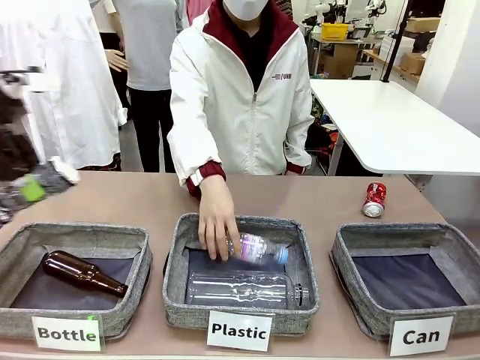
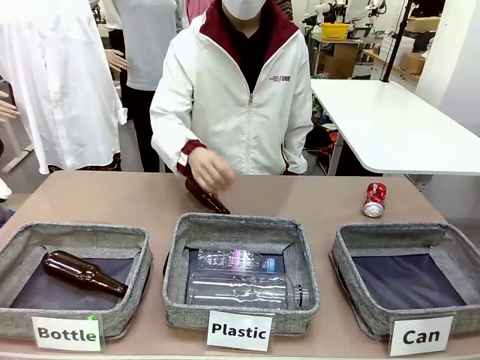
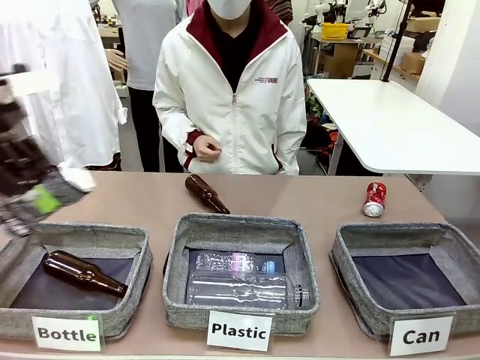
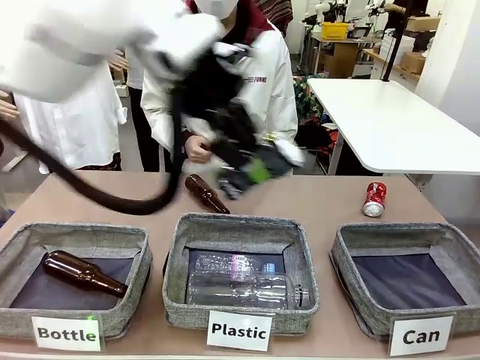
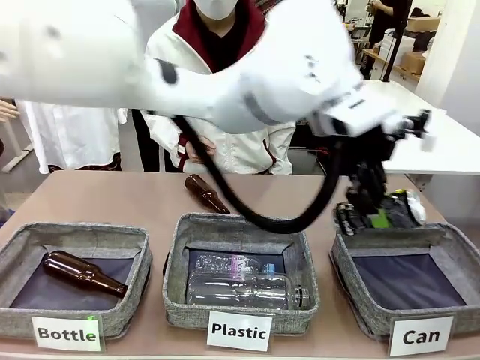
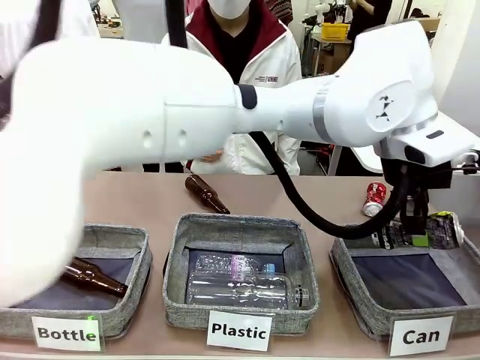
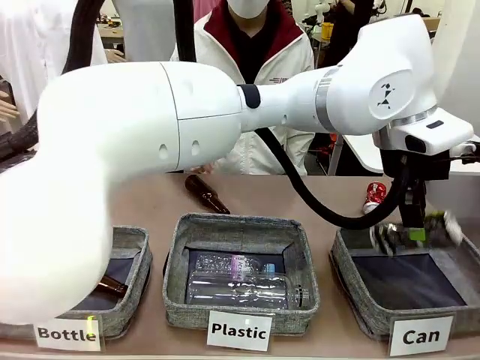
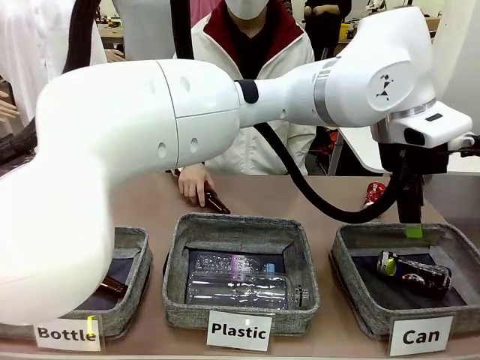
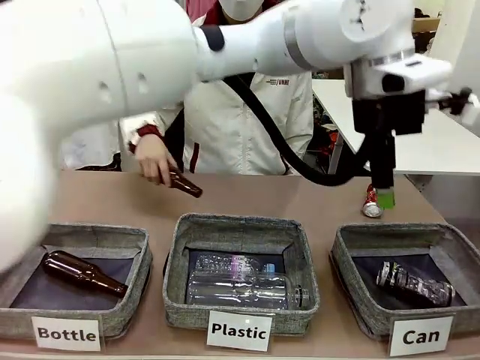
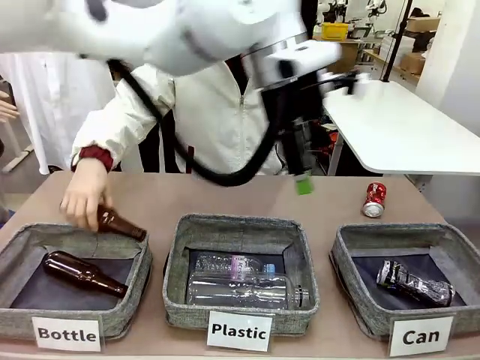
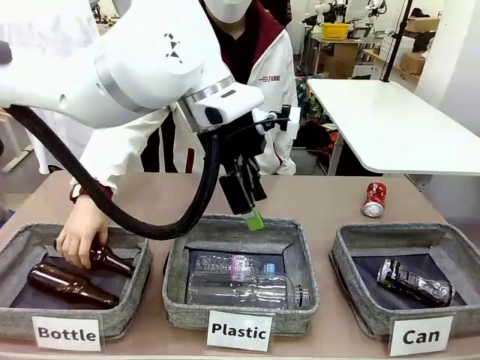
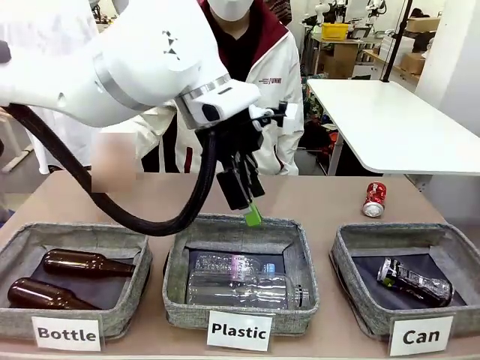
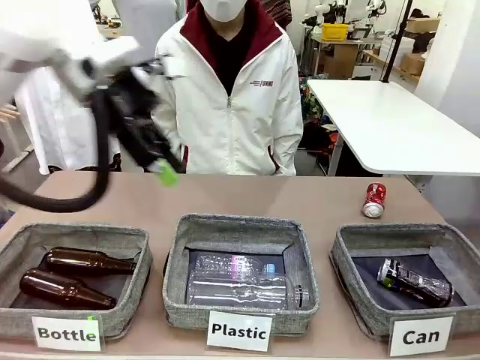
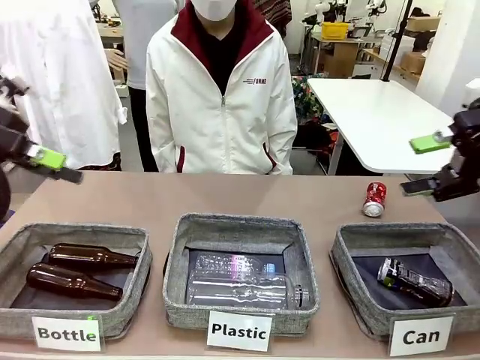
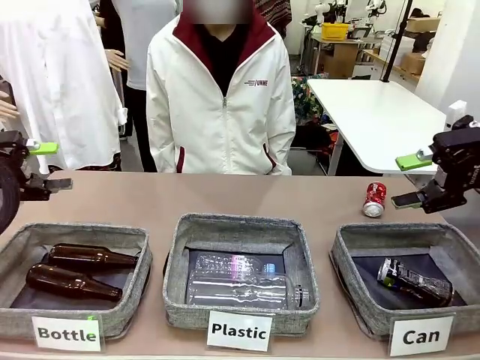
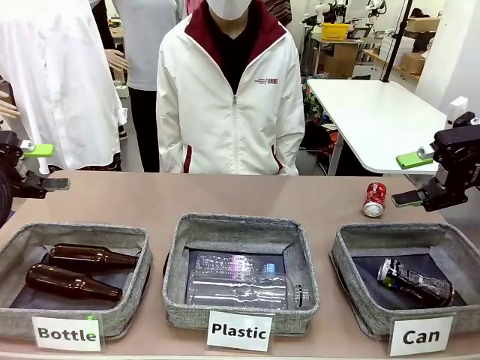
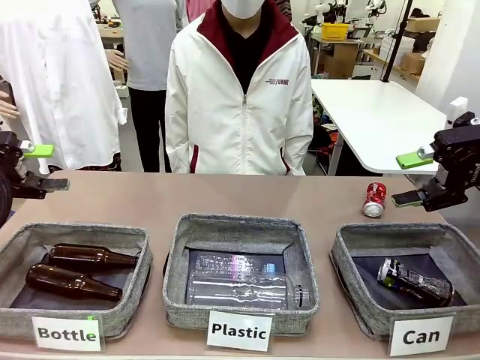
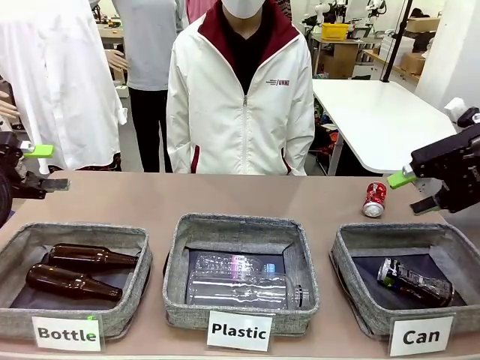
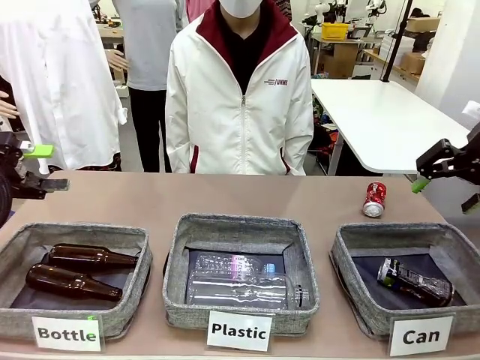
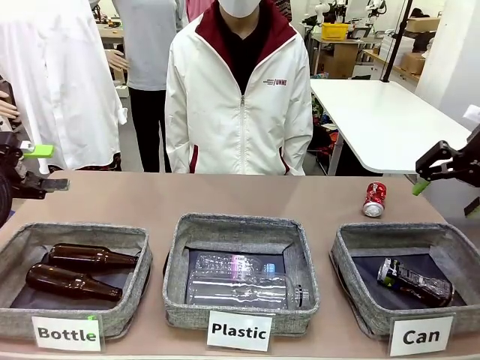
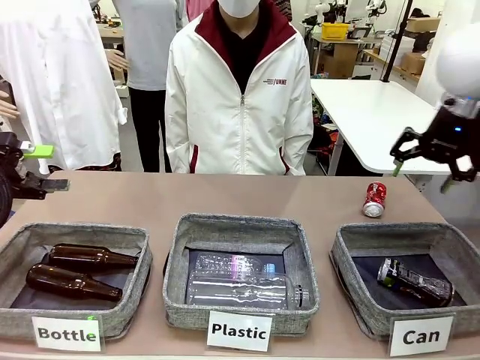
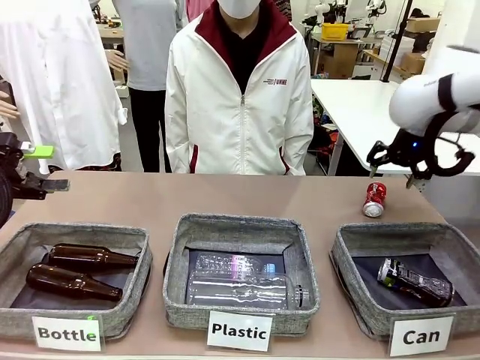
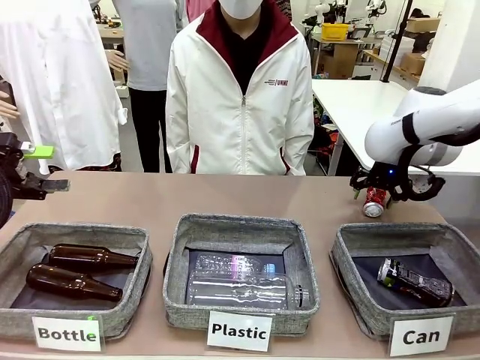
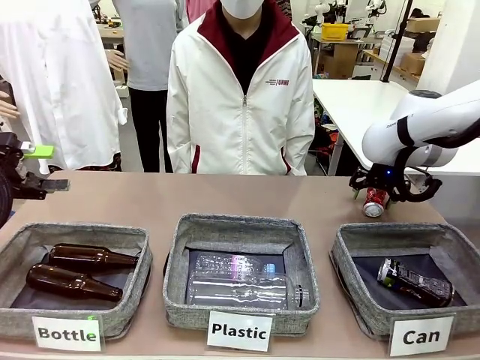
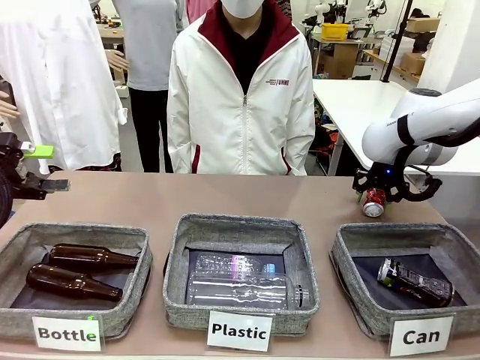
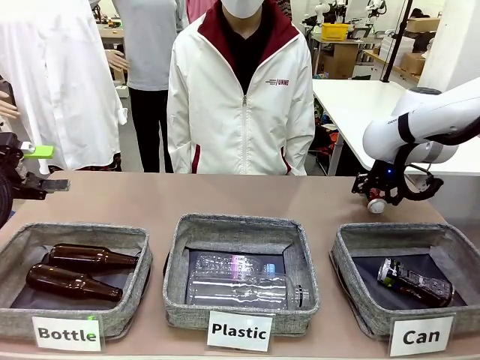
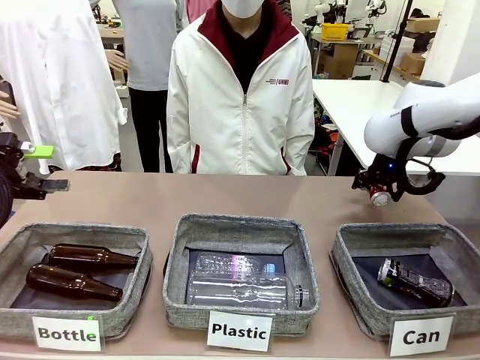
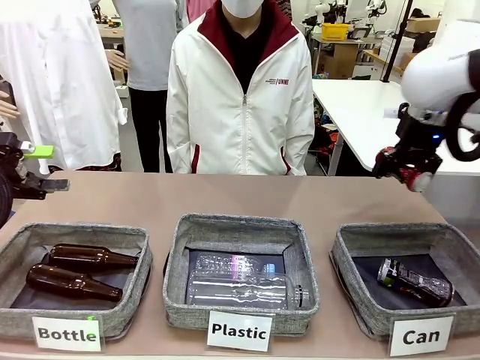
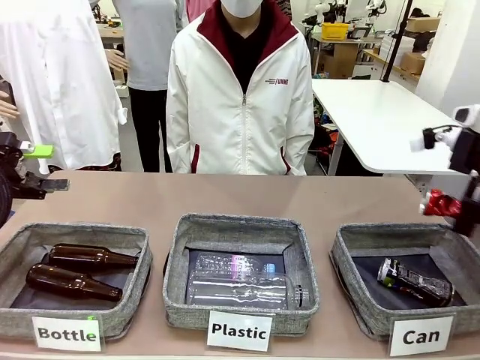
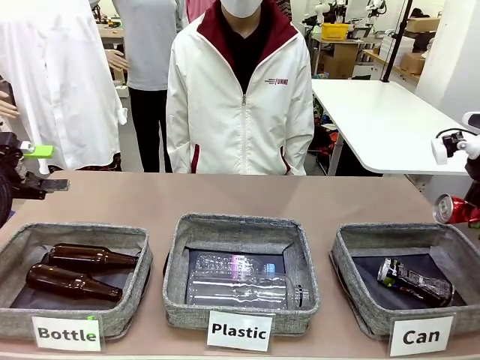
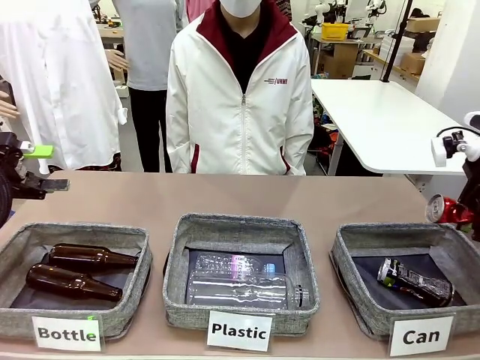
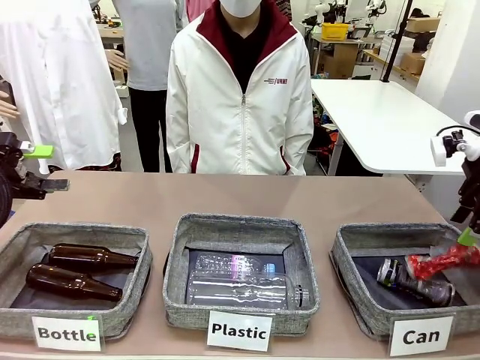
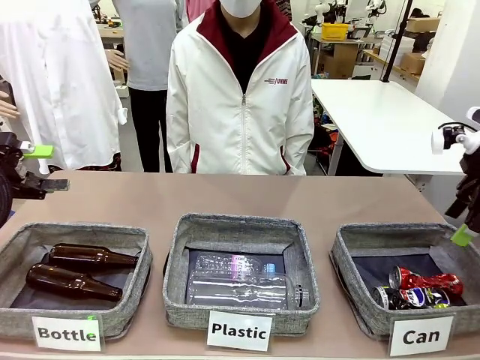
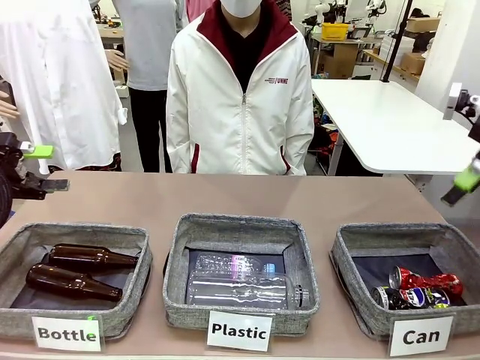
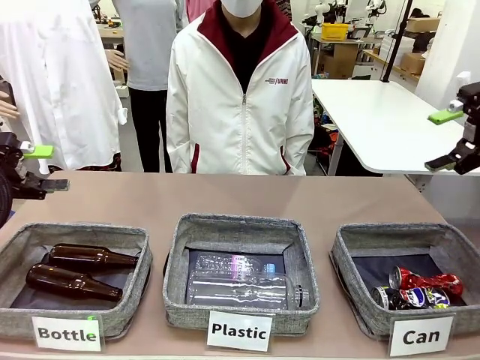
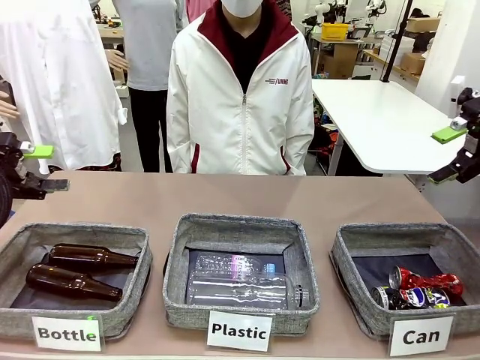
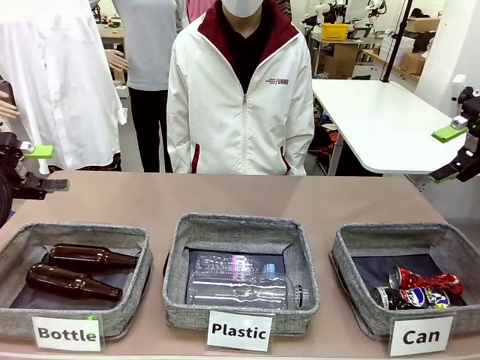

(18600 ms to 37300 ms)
Task: Sort the can waste into the basket.
Robot: Pick up the can waste from the table and place it in the right Fabric basket.
Person: The human picks up one piece of trash that is not a can and places the trash into the appropriate organizing basket.

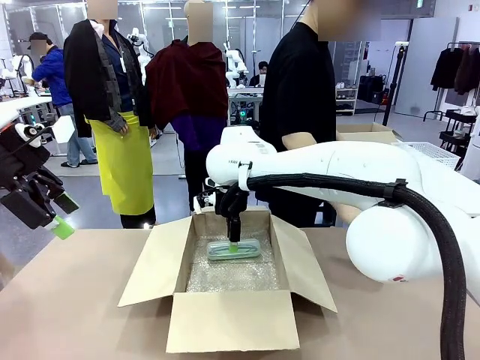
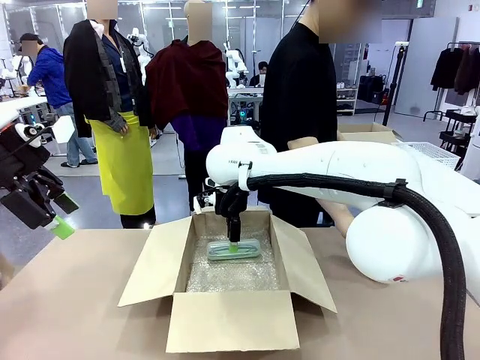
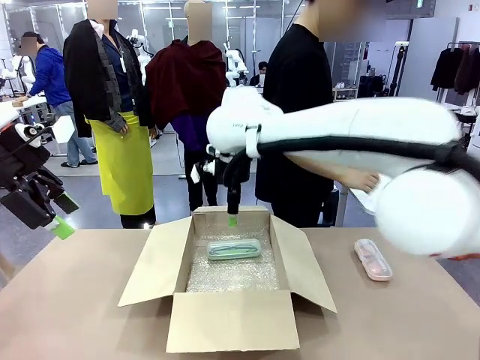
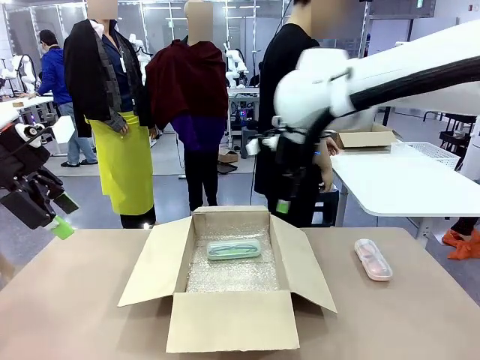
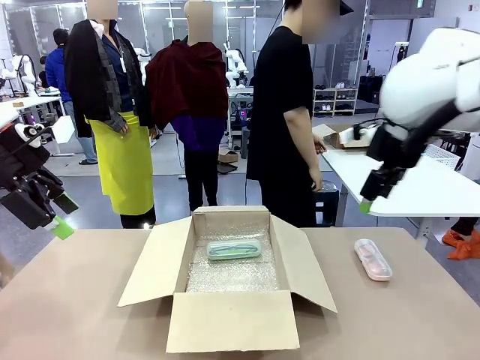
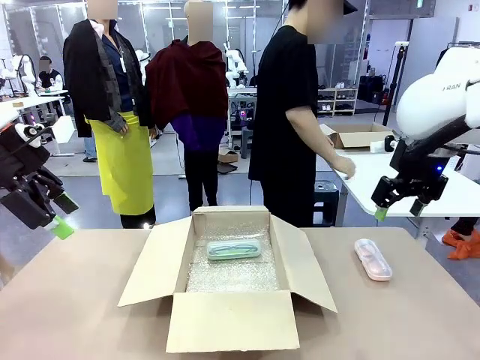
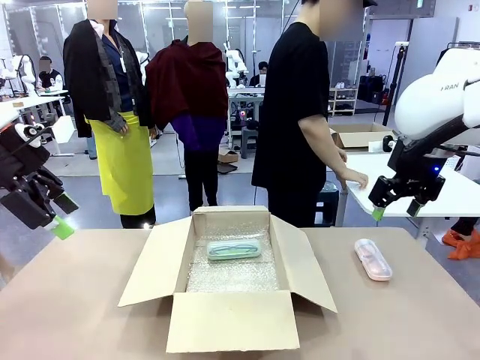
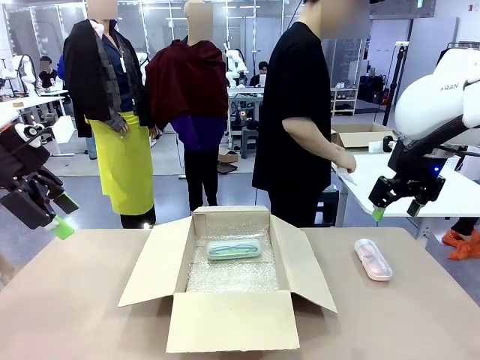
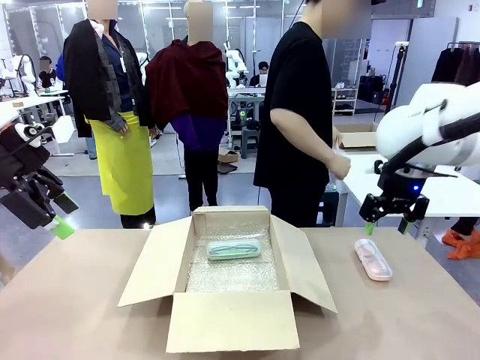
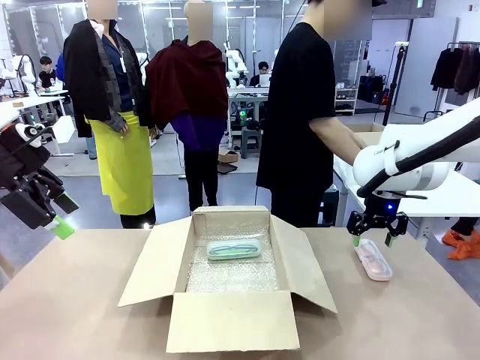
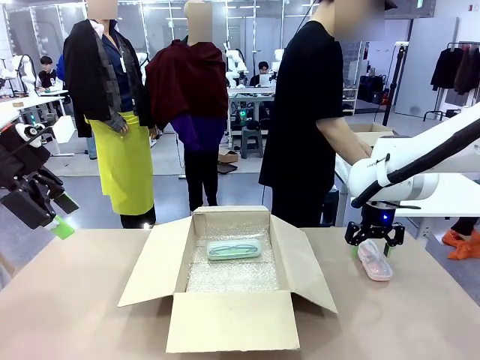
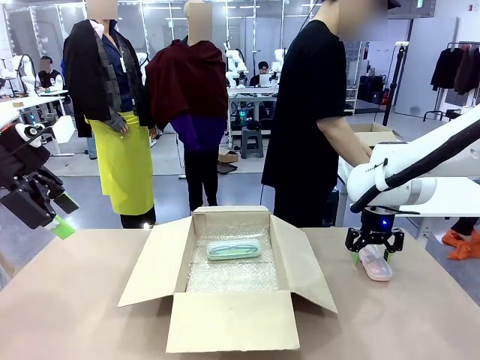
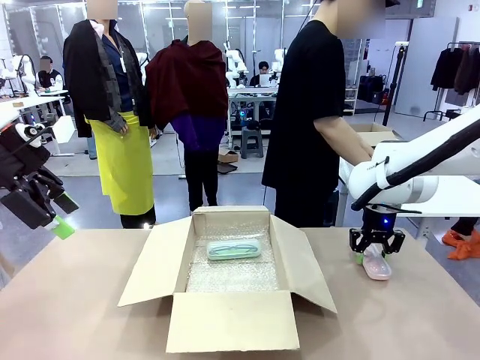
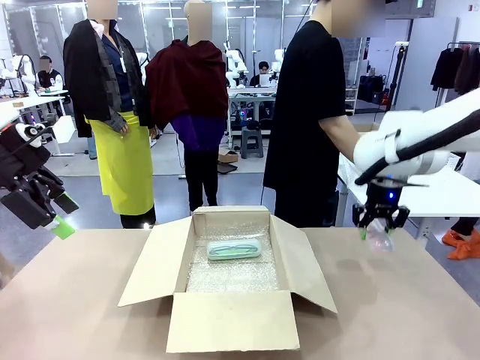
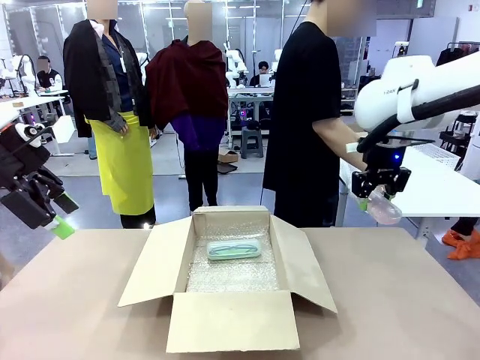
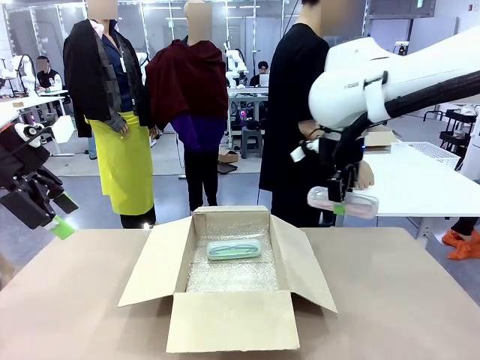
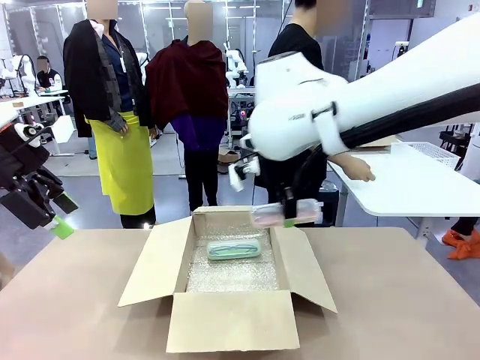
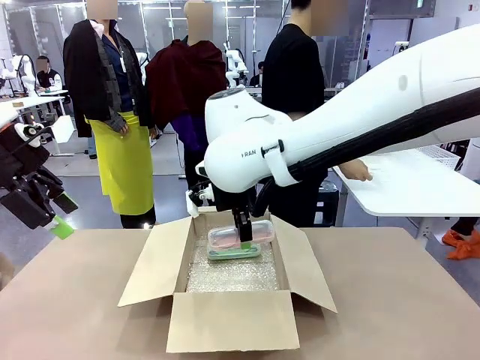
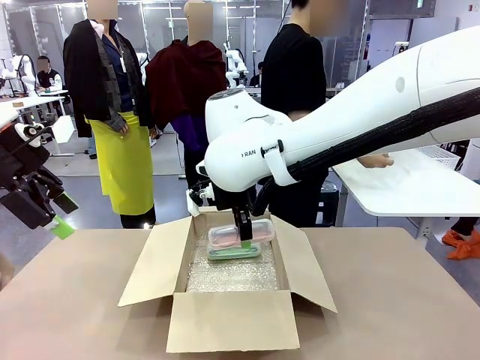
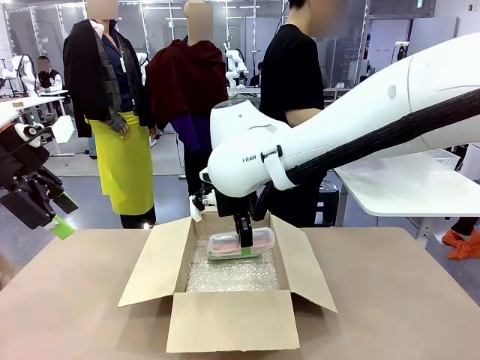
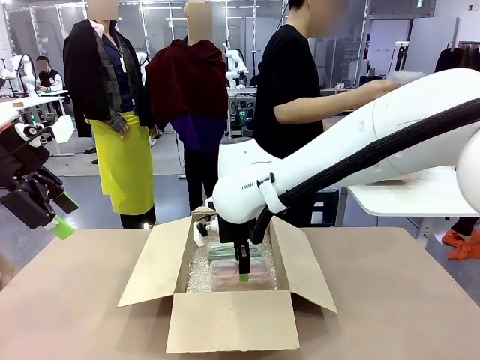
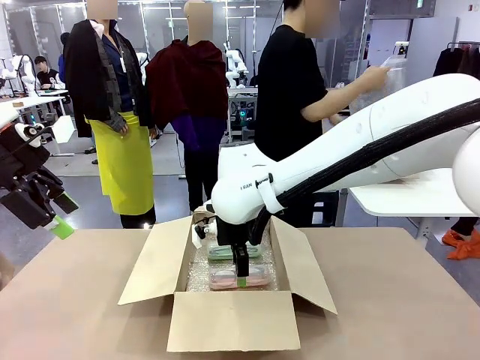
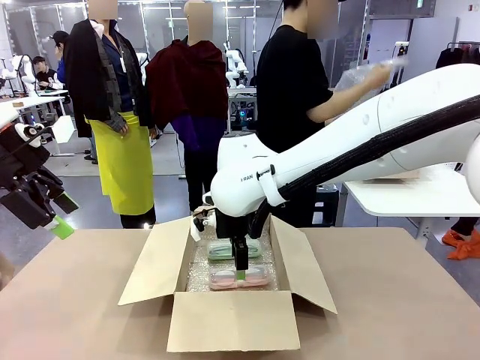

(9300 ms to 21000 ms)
Task: Pack the glasses set securely to prepare it for shipping.
Robot: Put the Glasses case from the right side of the table into the Package Box.
